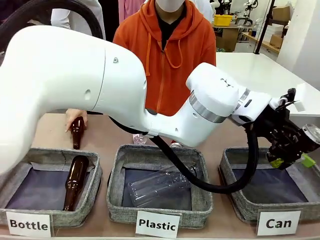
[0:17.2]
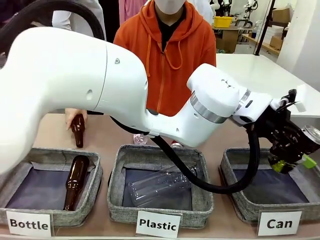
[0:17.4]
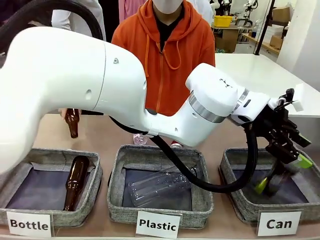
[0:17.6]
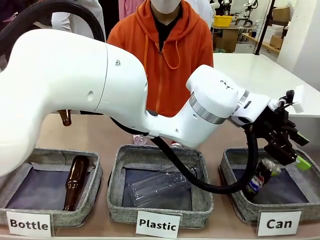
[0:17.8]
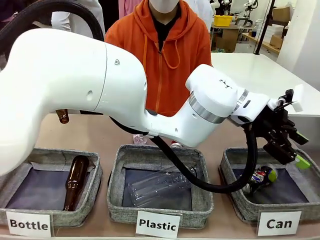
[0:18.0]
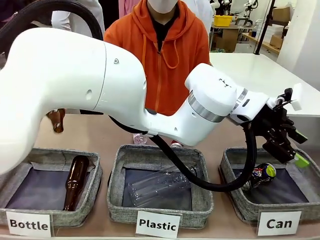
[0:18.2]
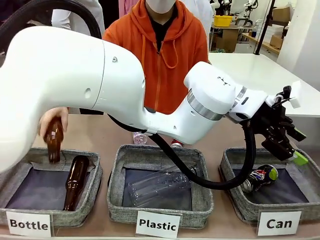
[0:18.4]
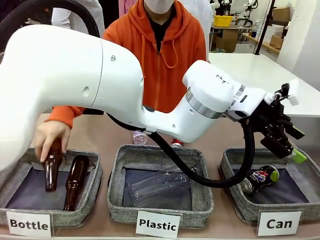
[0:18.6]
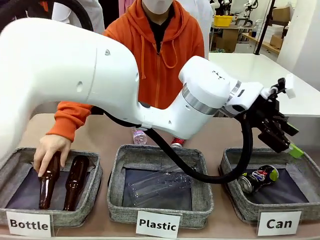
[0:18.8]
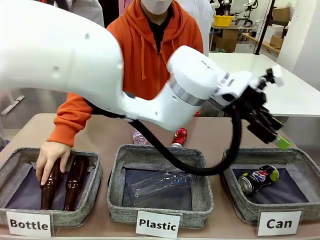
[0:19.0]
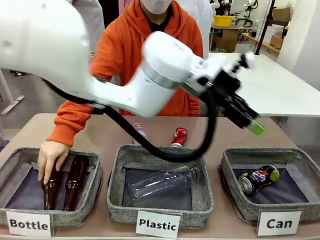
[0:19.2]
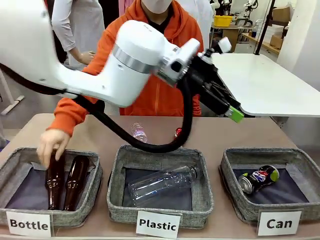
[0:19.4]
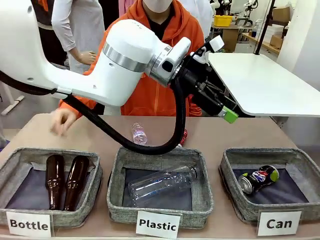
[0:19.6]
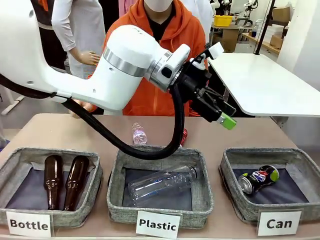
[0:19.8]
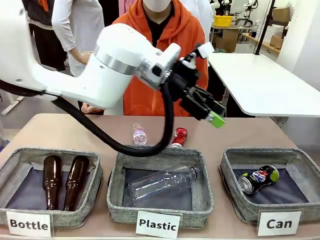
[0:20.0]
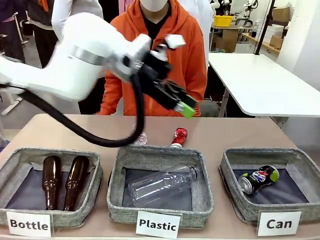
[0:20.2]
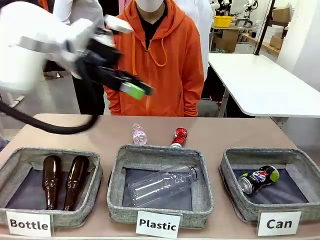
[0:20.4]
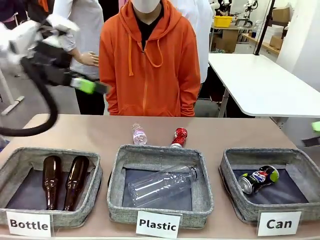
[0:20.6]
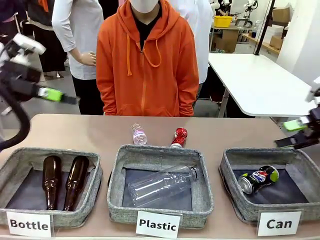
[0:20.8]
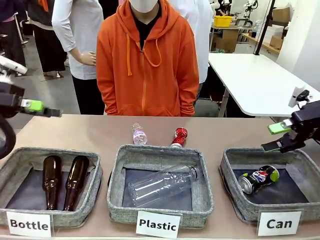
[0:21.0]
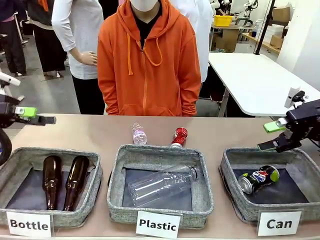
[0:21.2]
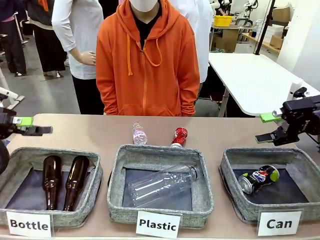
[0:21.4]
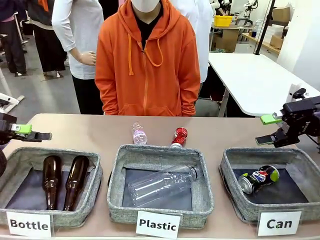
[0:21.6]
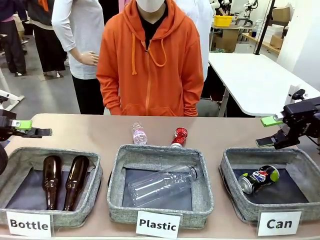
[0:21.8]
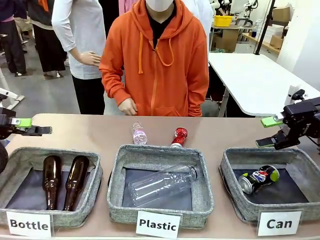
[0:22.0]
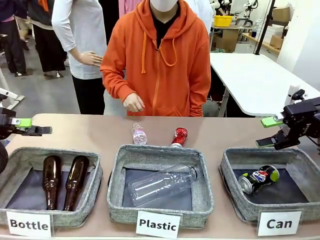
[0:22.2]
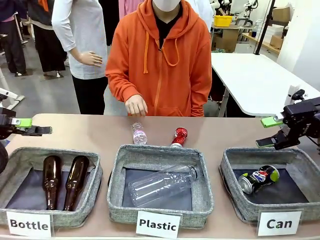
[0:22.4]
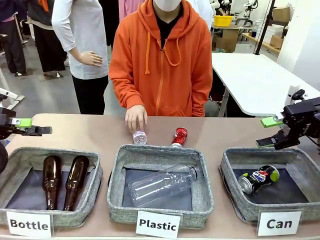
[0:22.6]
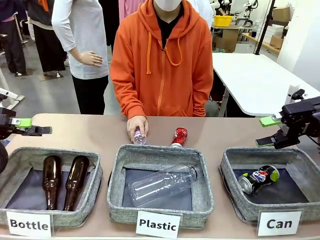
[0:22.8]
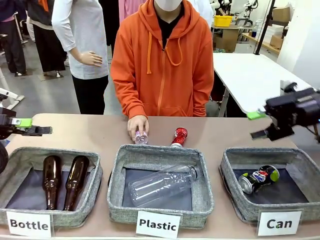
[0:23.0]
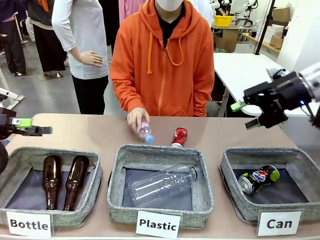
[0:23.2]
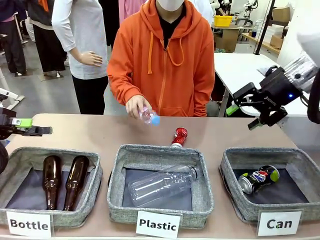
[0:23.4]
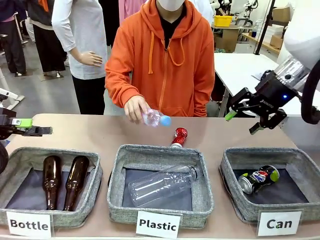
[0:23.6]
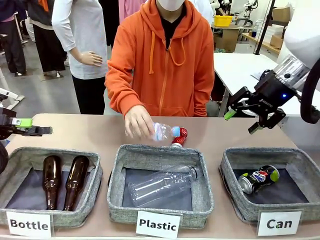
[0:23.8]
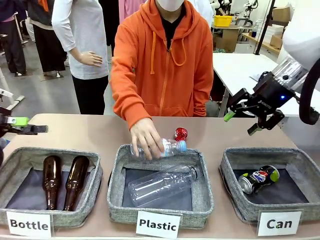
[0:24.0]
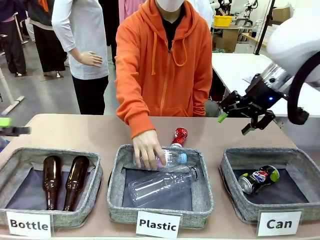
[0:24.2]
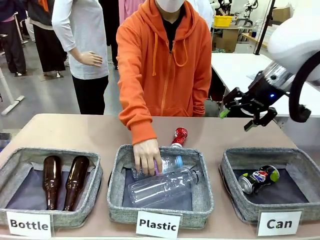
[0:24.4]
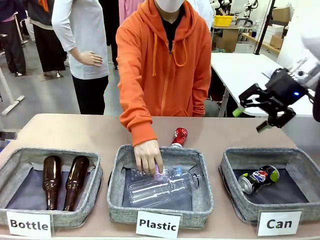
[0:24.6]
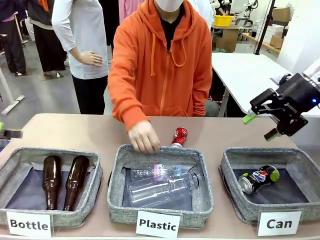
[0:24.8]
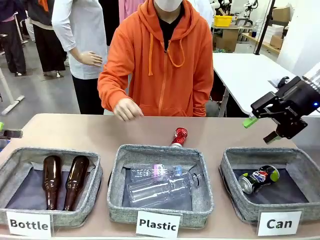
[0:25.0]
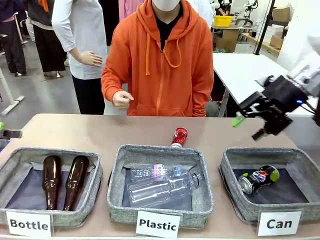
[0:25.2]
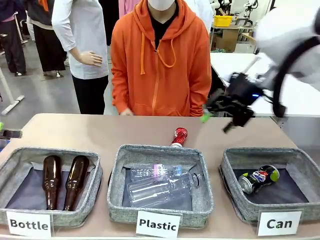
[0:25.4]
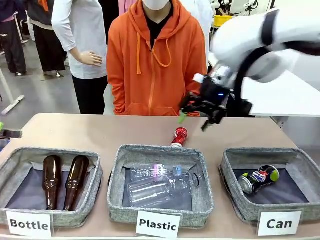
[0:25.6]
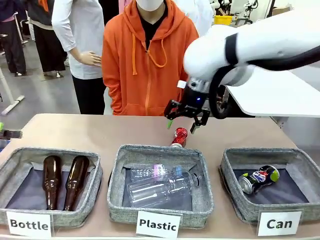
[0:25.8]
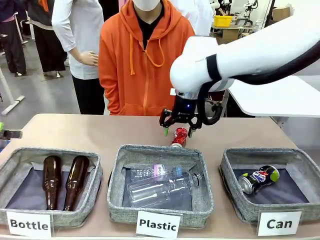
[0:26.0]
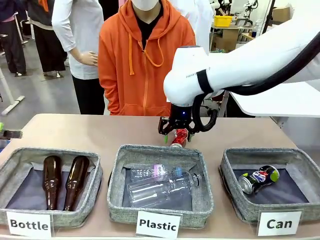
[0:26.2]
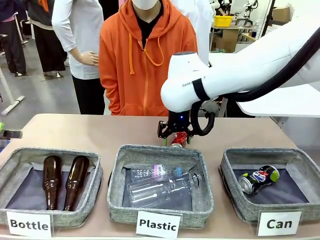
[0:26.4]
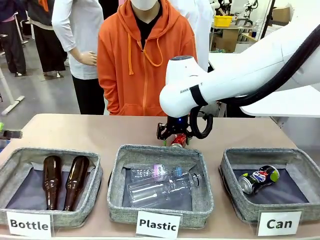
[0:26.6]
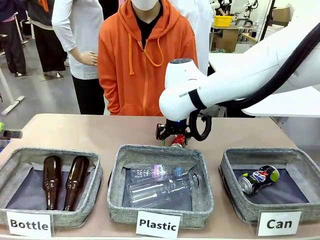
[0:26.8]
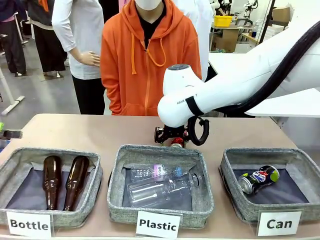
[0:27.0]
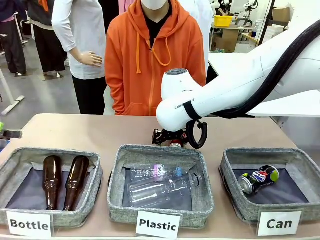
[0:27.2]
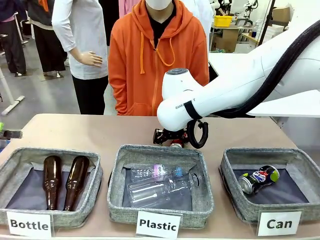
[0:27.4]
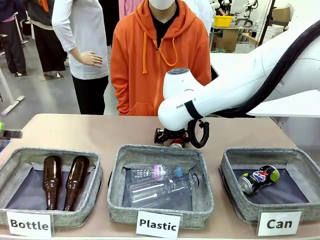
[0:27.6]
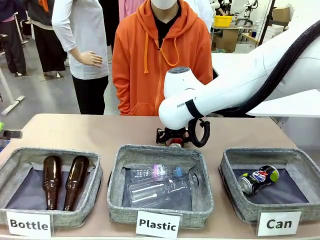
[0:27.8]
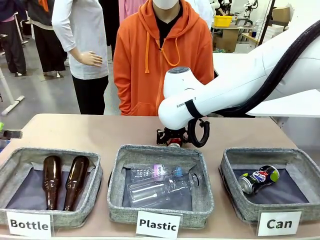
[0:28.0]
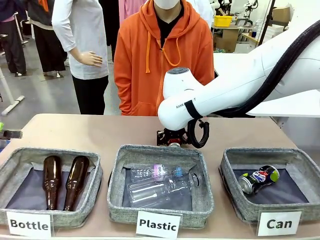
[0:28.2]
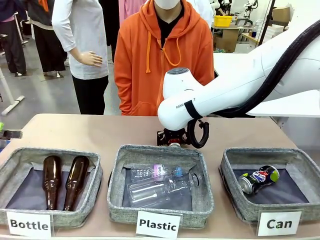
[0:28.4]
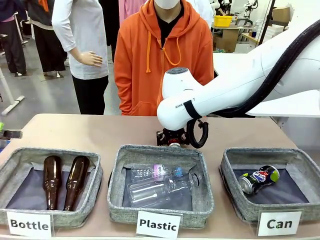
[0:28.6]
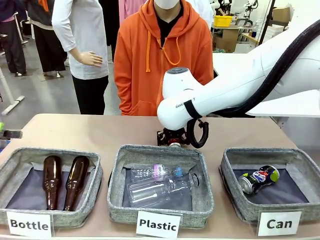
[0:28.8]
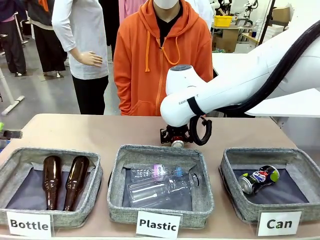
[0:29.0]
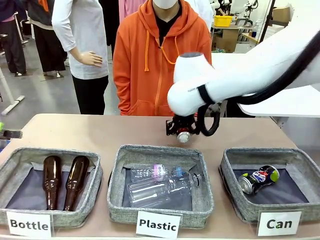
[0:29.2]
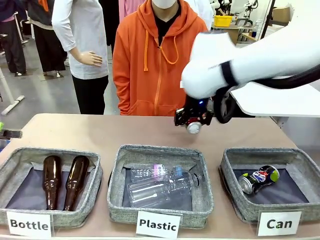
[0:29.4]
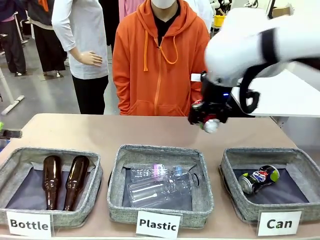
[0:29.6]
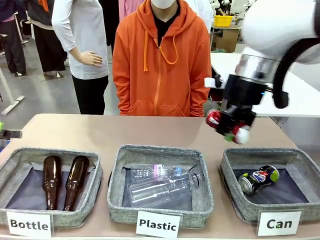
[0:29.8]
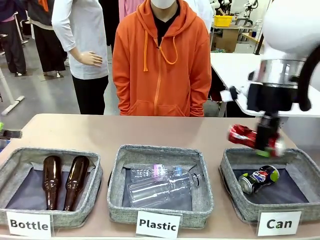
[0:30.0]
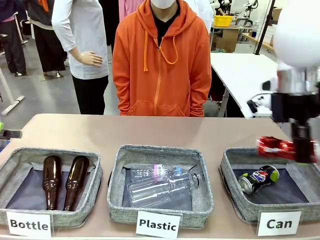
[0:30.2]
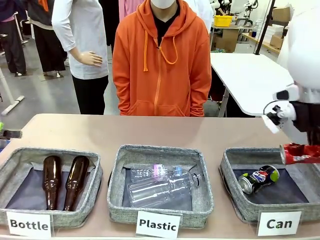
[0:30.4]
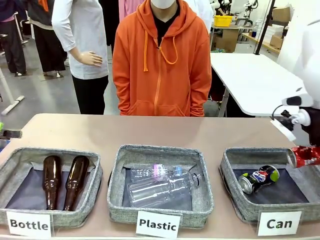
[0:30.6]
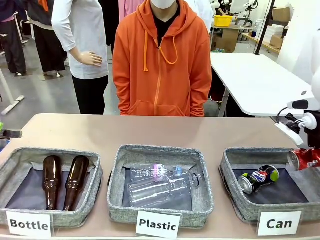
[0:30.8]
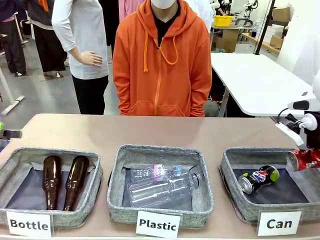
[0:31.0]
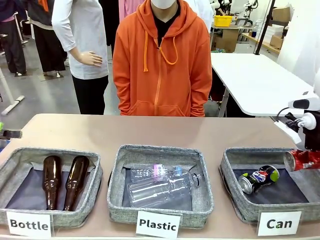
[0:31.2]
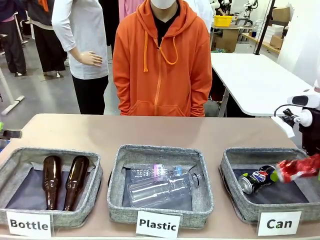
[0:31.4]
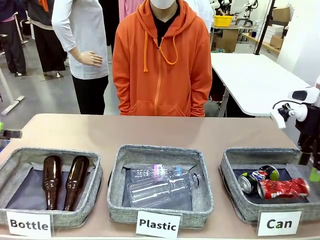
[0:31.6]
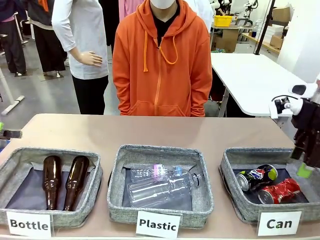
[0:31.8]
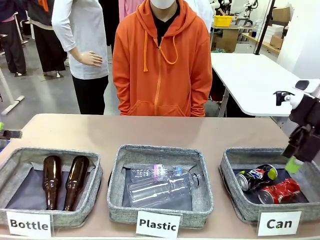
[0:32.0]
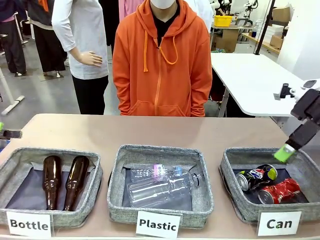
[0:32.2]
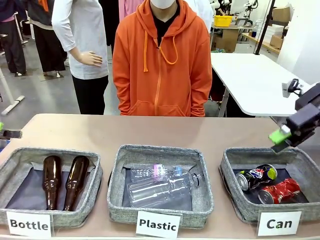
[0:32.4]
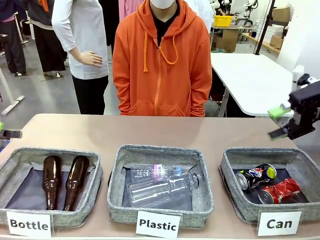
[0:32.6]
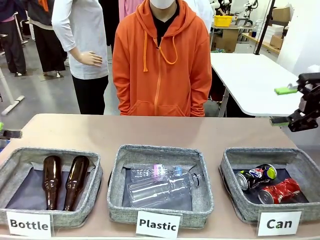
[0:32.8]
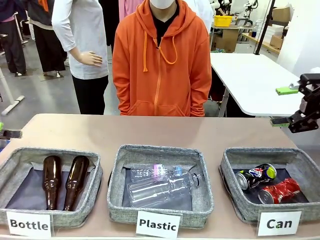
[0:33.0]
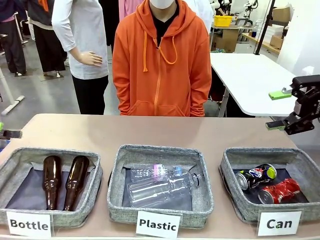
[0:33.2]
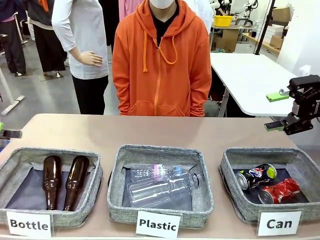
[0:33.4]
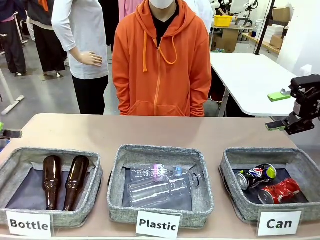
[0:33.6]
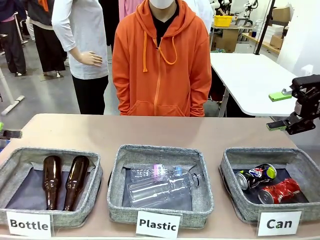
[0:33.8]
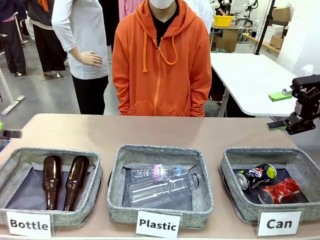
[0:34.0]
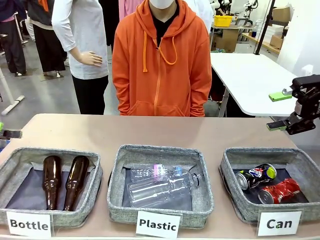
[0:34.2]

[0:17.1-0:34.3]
Task: Sort the can waste into the basket.
Robot: Pick up the can waste from the table and place it in the right Fabric basket.
Person: The human picks up one piece of trash that is not a can and places the trash into the appropriate organizing basket.
